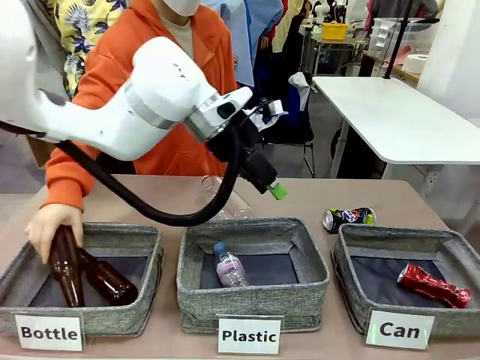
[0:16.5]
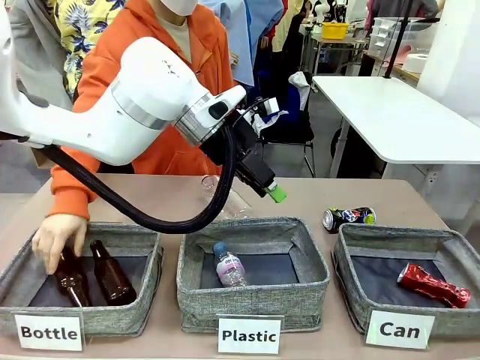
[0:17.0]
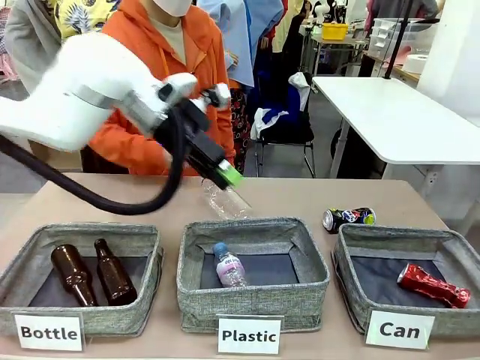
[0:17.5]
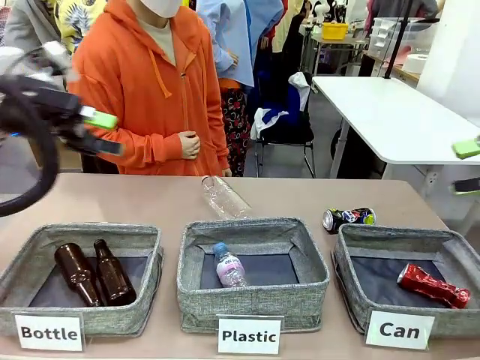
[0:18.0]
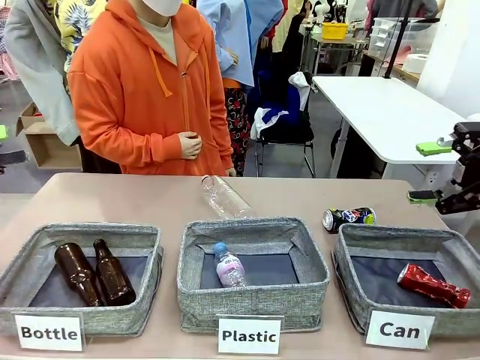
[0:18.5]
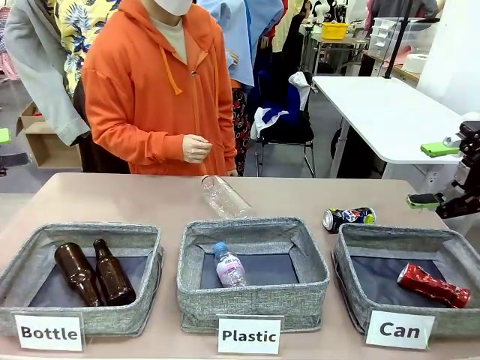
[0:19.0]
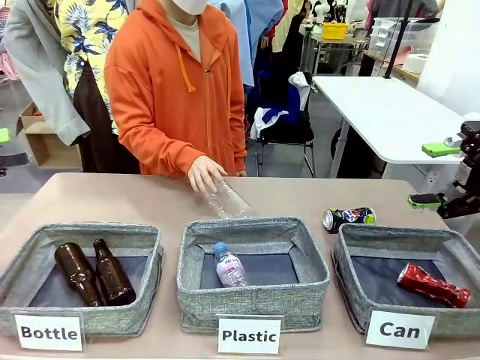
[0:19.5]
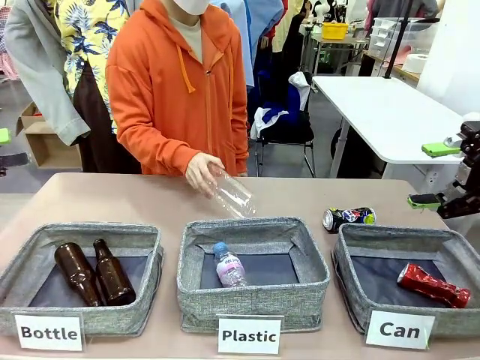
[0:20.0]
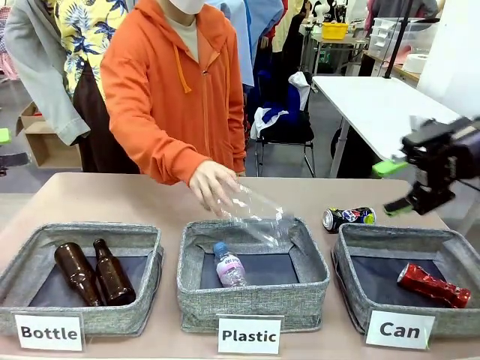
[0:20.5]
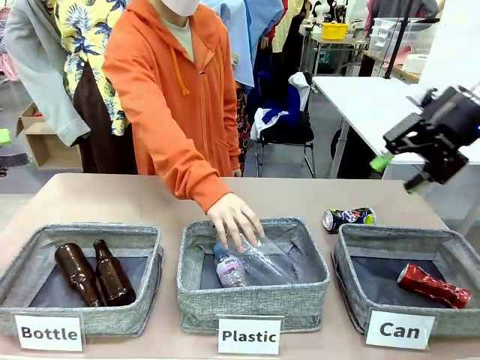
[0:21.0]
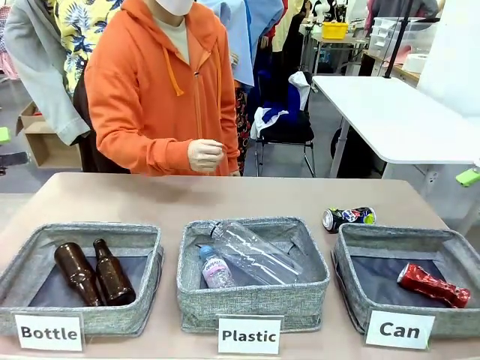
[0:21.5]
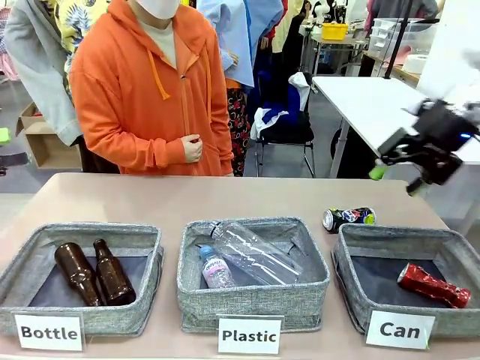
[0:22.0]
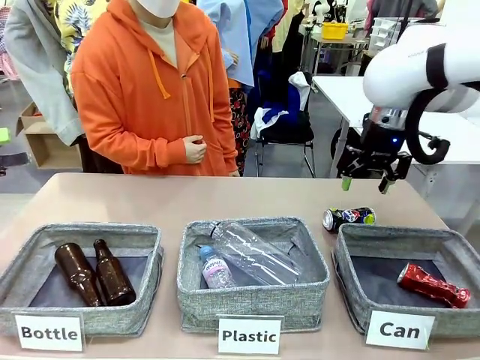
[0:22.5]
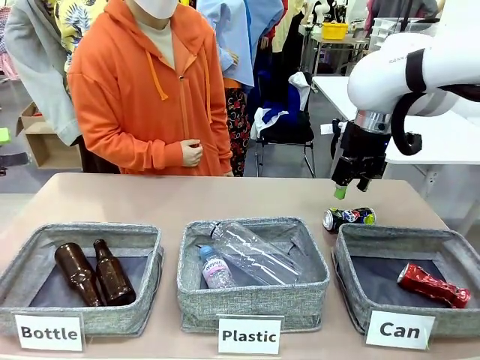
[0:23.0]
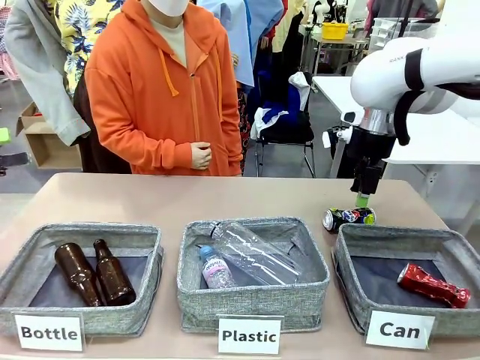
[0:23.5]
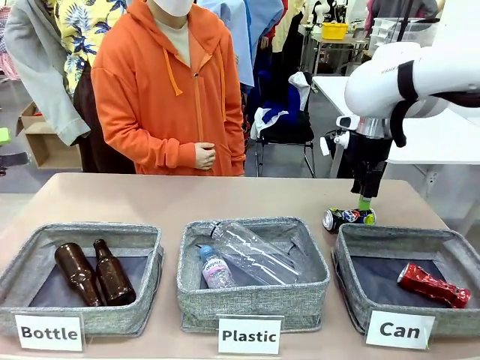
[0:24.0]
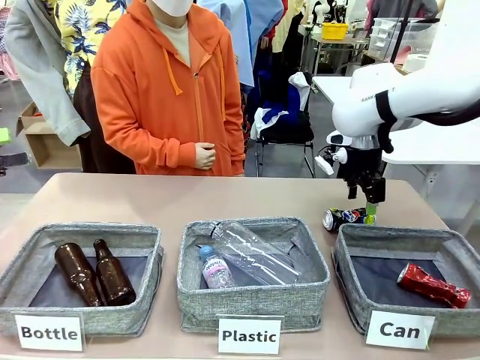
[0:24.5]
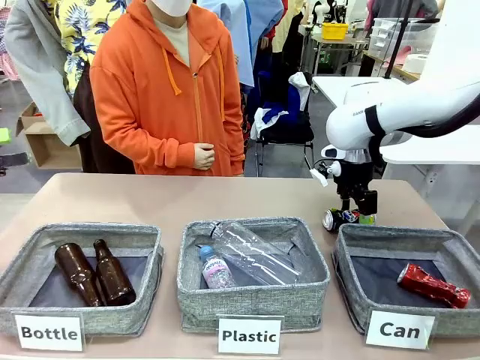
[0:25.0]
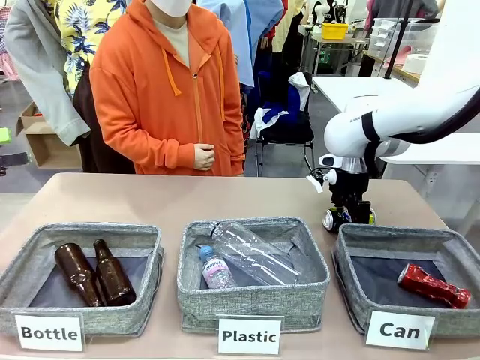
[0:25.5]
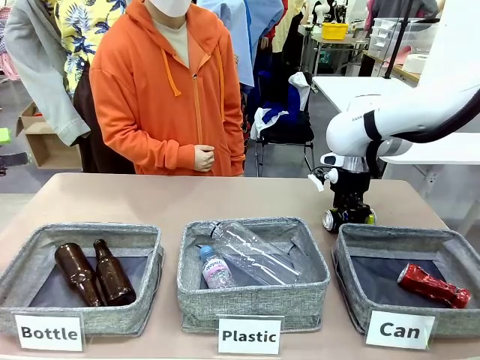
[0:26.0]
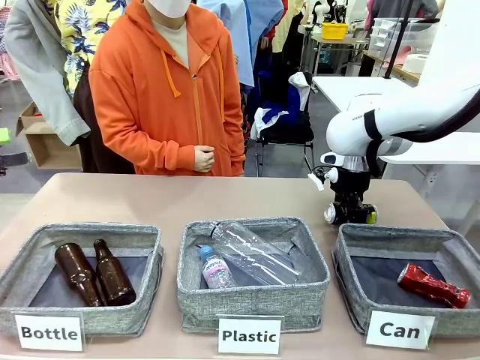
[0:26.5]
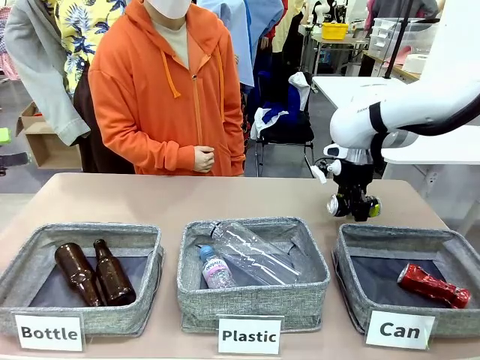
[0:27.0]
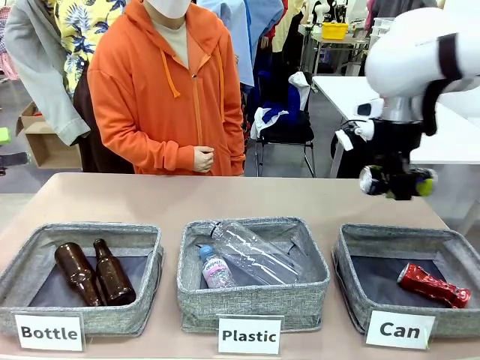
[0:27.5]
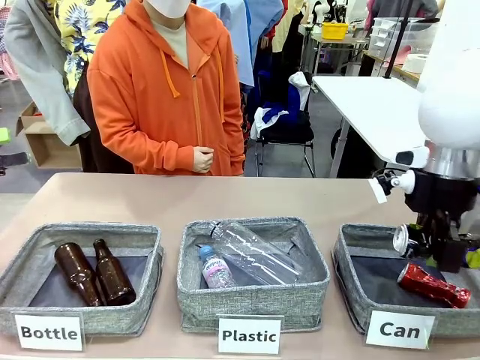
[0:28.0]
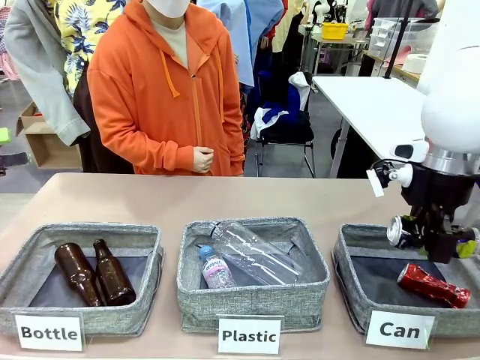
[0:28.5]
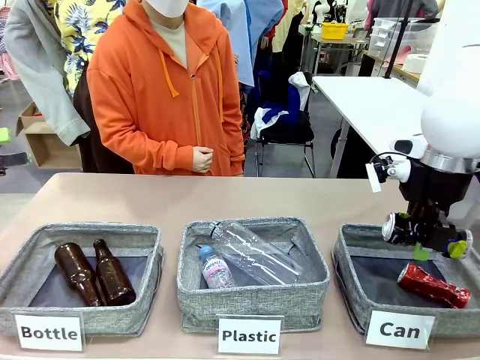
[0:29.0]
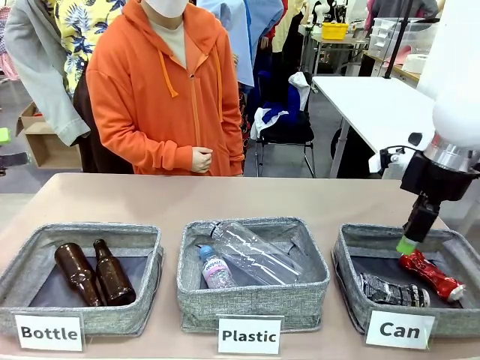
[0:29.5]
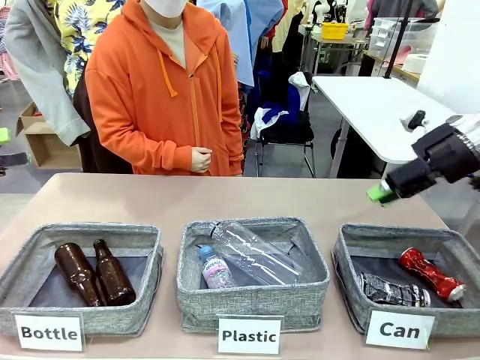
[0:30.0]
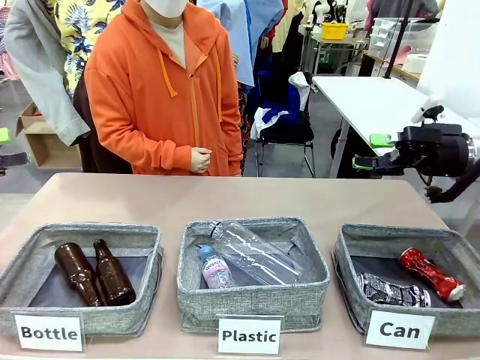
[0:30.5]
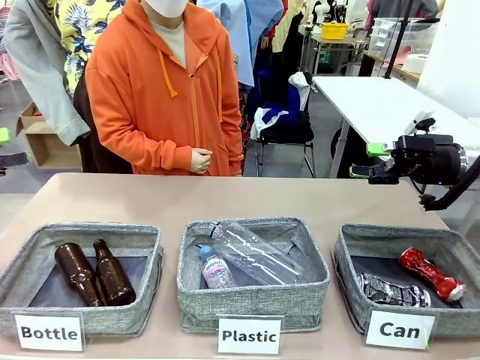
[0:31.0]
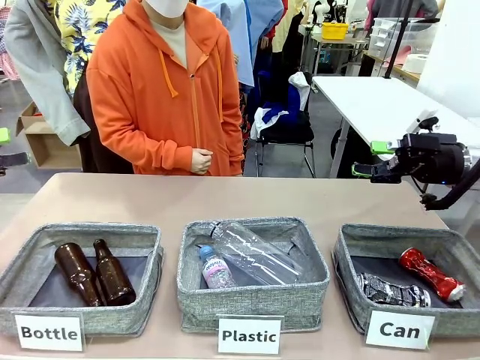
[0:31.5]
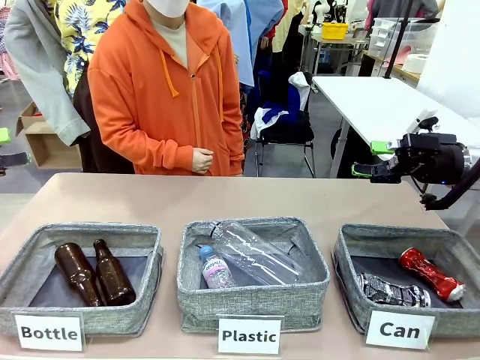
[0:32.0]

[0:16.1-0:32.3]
Task: Sort the can waste into the basket.
Robot: Pick up the can waste from the table and place it in the right Fabric basket.
Person: The human picks up one piece of trash that is not a can and places the trash into the appropriate organizing basket.

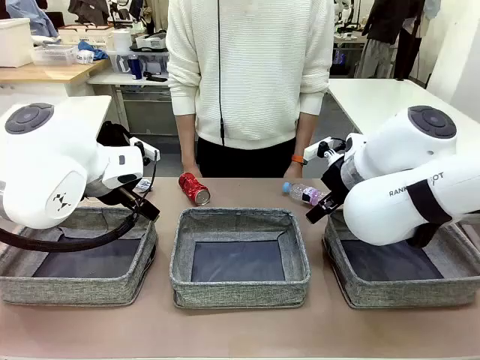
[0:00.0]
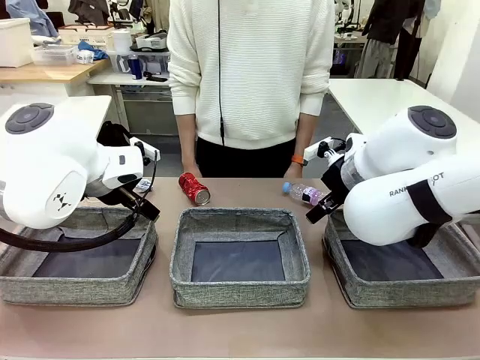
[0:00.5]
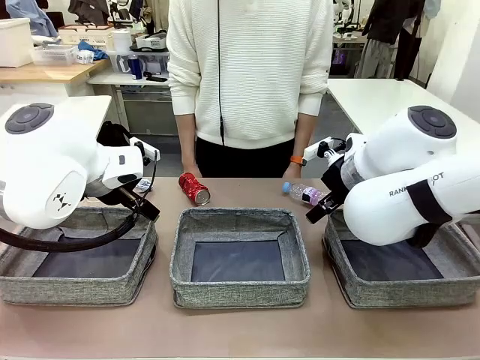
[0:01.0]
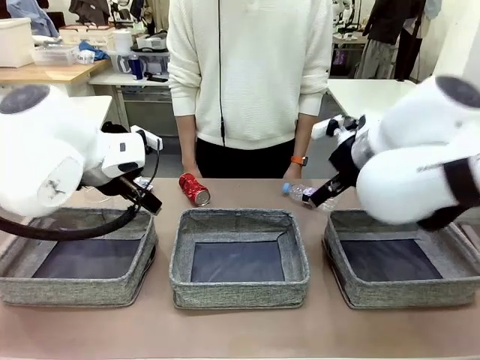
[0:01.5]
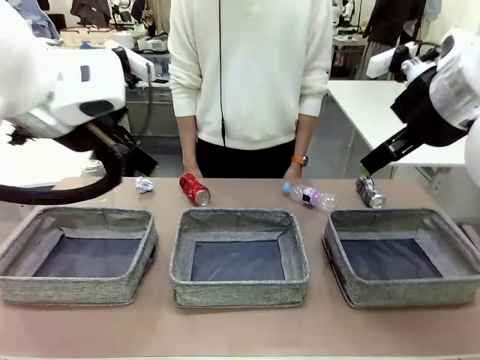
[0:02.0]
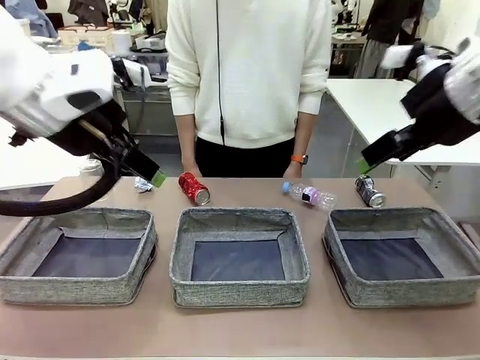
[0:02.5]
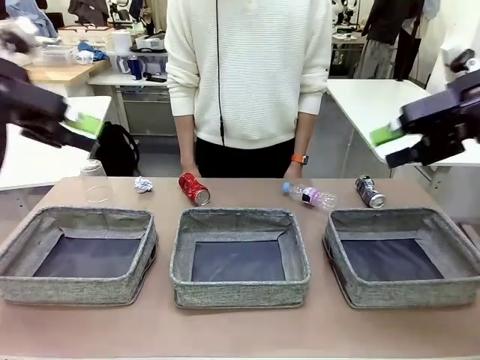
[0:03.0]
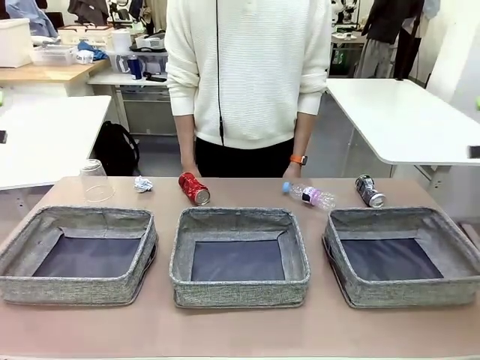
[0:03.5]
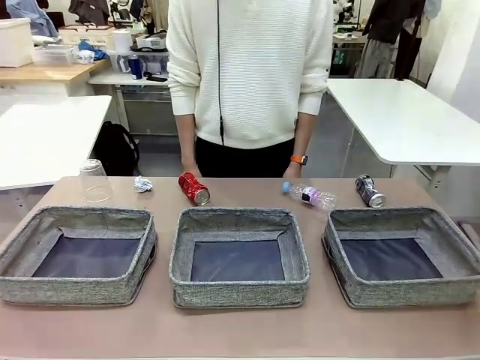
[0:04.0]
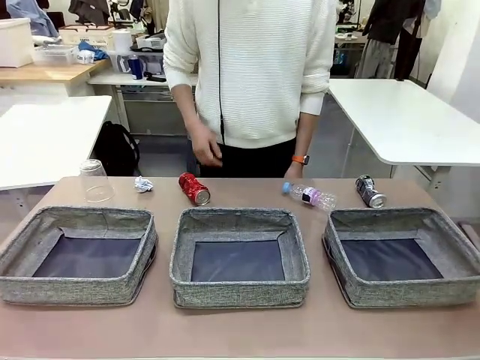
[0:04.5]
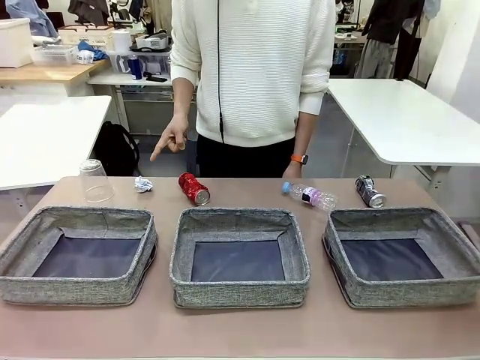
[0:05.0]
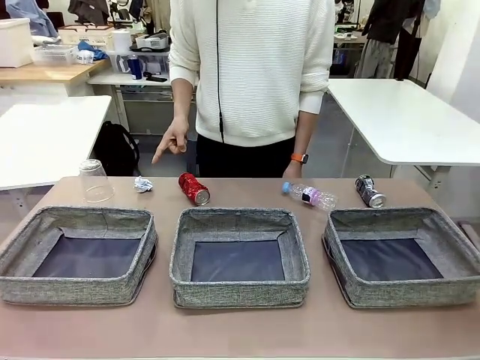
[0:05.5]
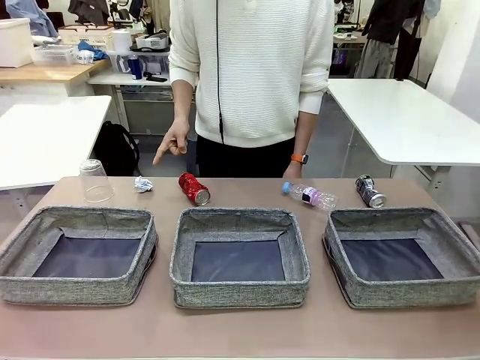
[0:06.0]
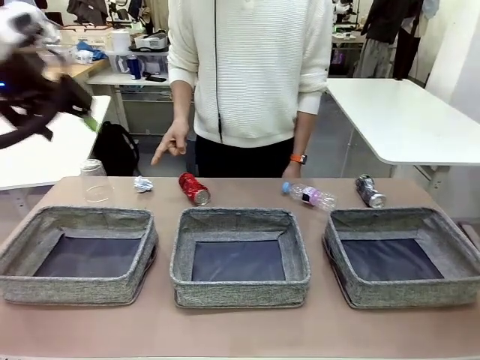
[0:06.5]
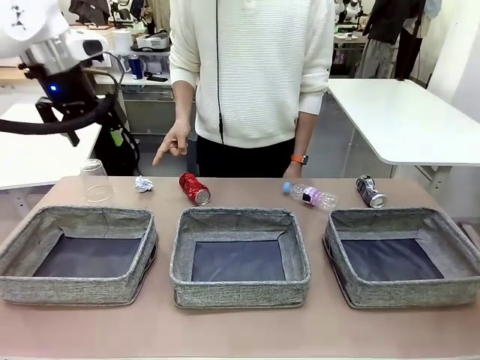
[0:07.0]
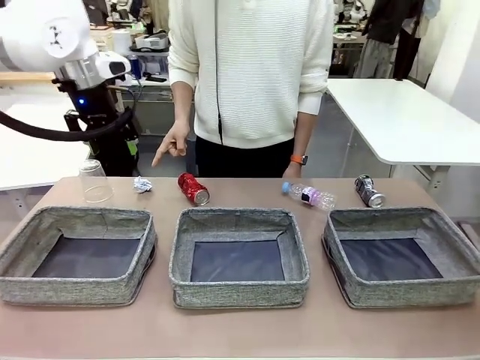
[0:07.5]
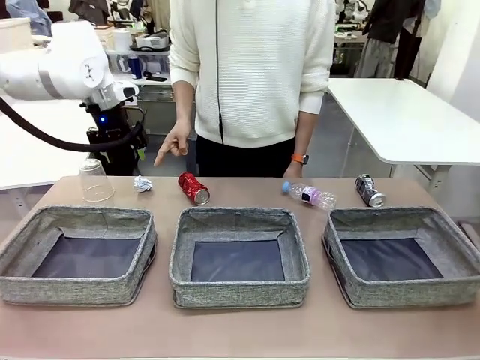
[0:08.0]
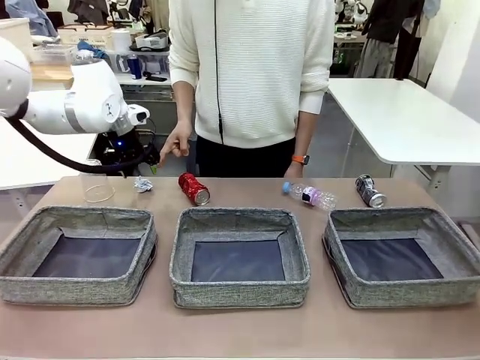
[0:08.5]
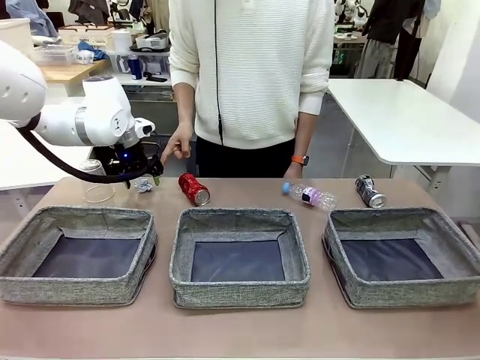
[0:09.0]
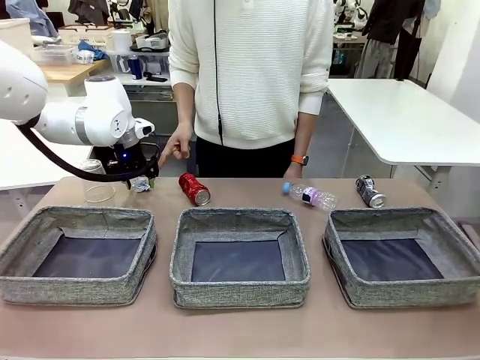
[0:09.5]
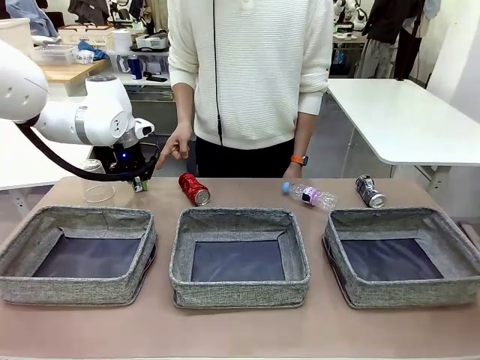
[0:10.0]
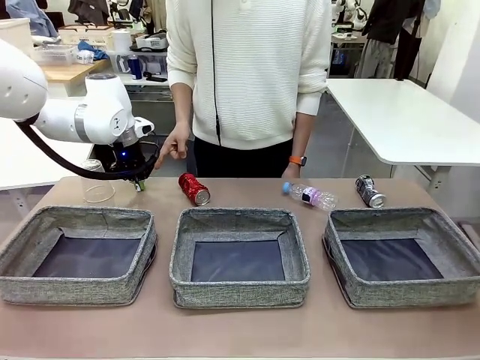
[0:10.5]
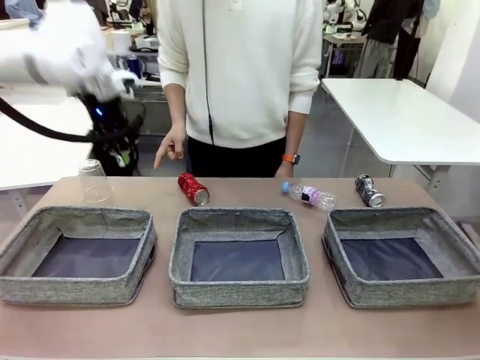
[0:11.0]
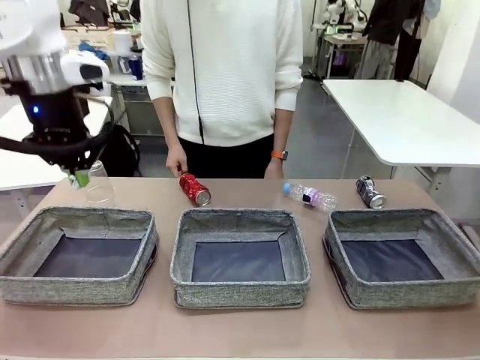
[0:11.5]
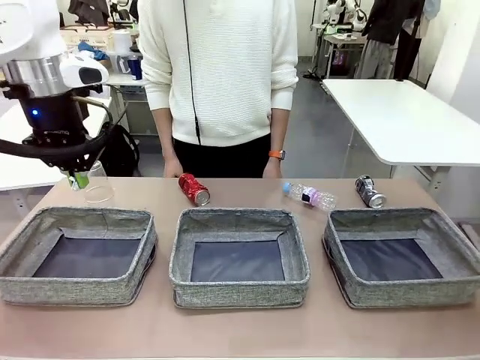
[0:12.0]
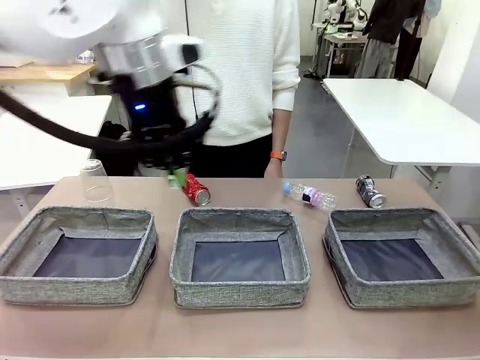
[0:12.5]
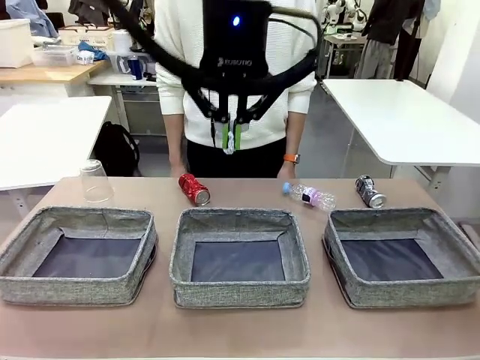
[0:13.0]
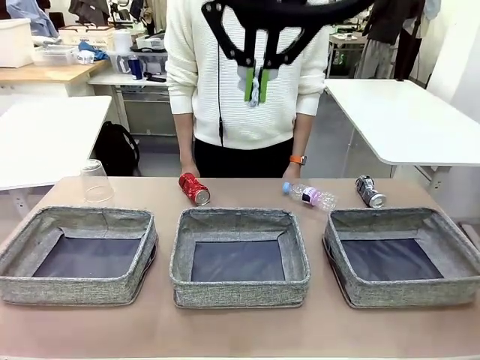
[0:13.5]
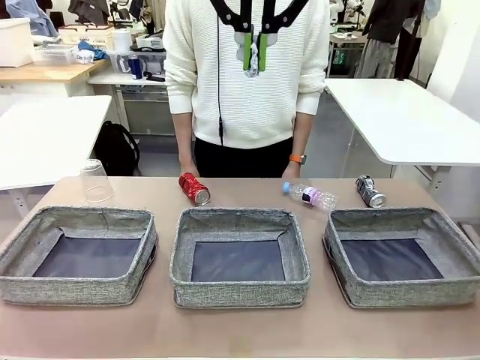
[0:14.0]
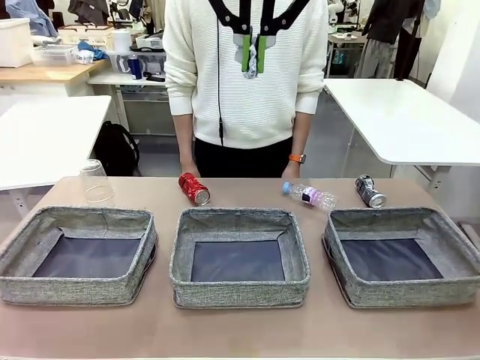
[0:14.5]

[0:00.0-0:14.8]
Task: Sort the waste into the appropriate baskets.
Robot: Pick up the waste item pointed out by the person.
Person: Points to one piece of trash on the table.
